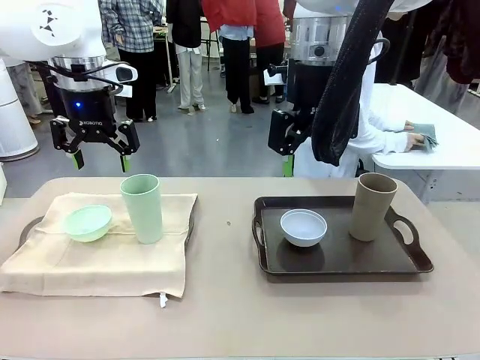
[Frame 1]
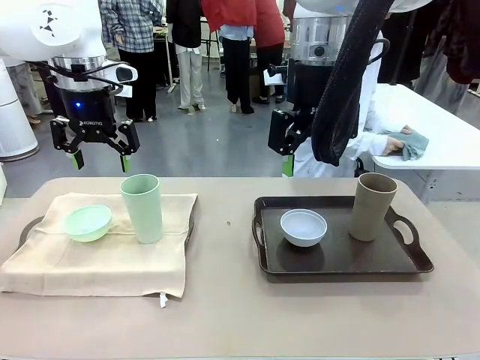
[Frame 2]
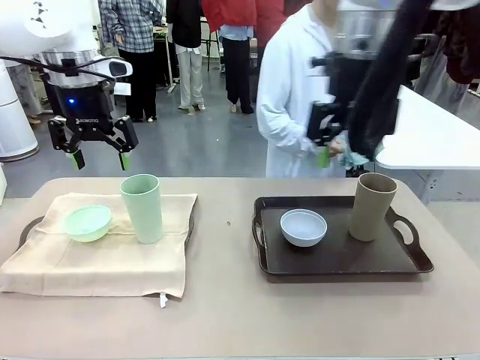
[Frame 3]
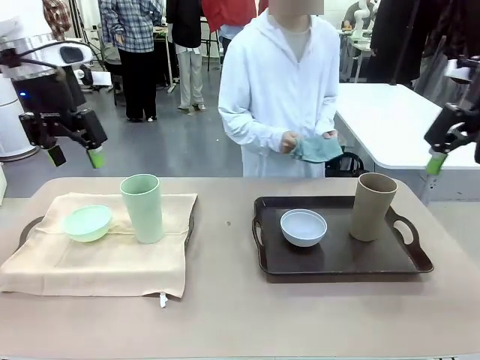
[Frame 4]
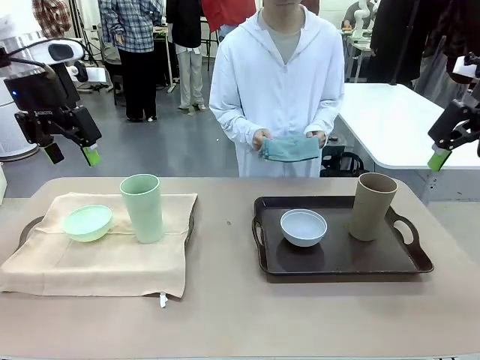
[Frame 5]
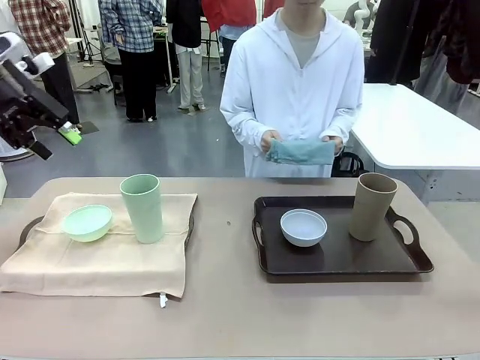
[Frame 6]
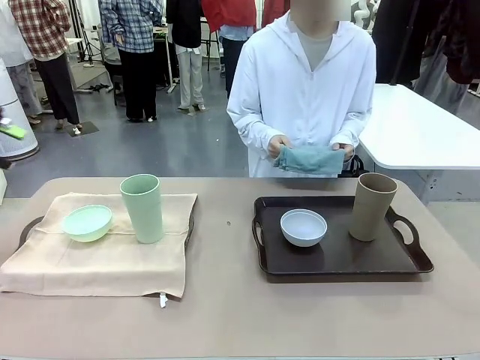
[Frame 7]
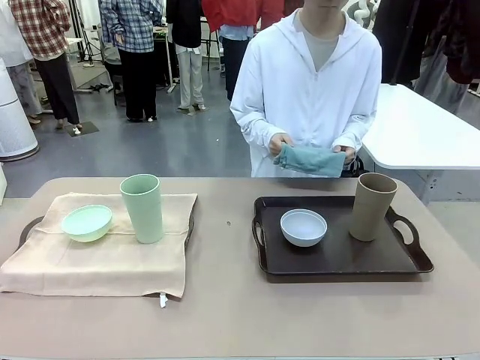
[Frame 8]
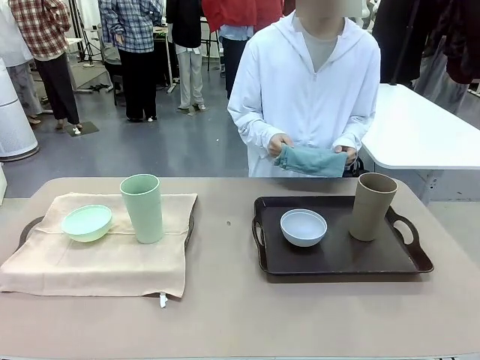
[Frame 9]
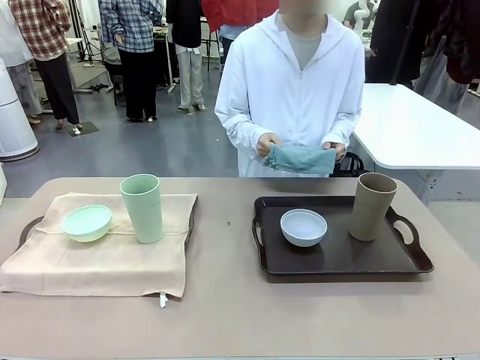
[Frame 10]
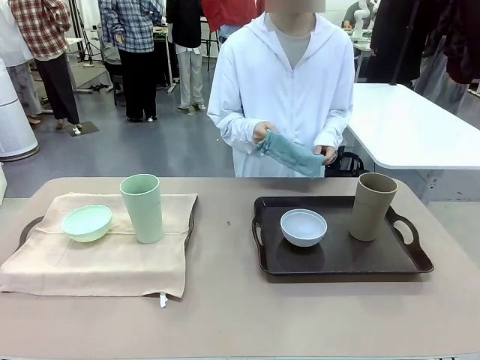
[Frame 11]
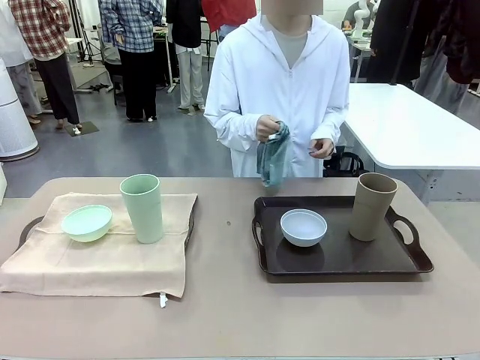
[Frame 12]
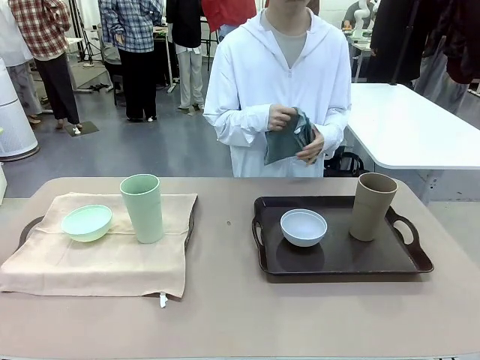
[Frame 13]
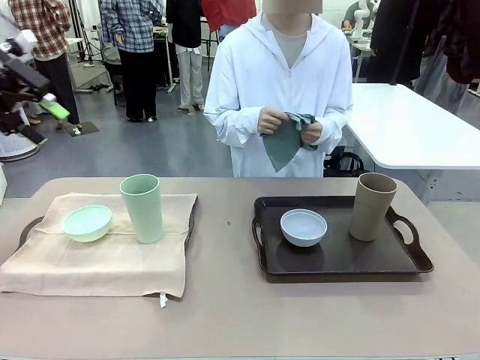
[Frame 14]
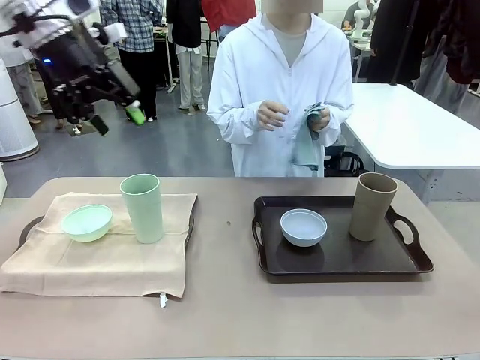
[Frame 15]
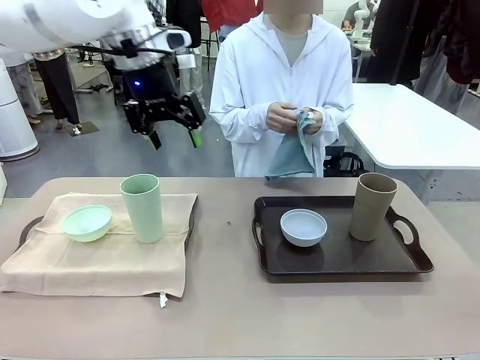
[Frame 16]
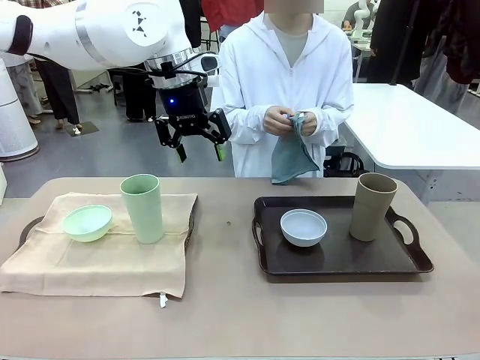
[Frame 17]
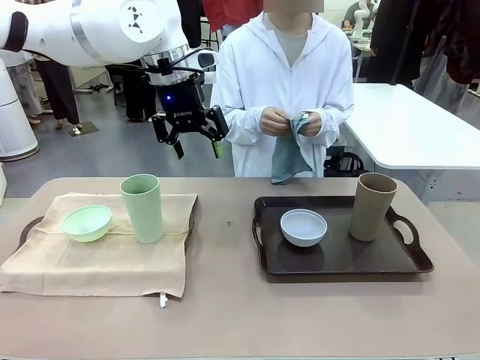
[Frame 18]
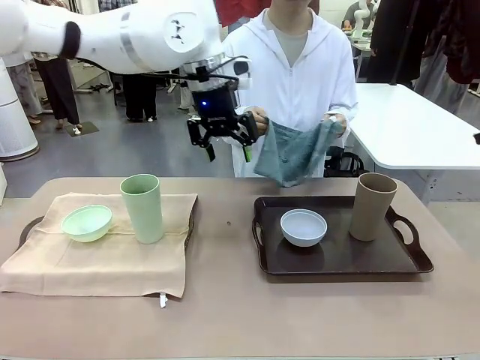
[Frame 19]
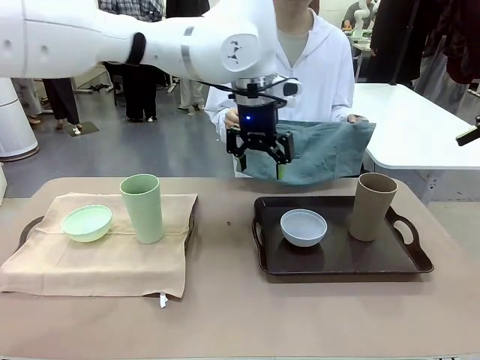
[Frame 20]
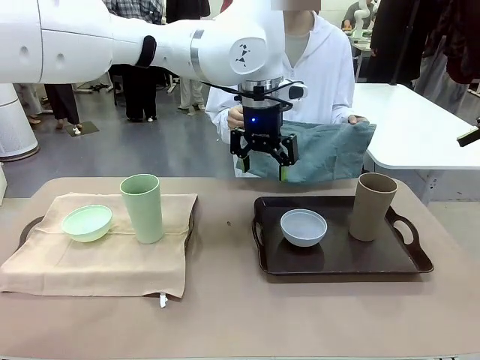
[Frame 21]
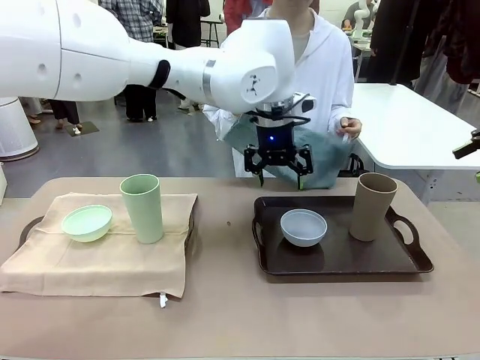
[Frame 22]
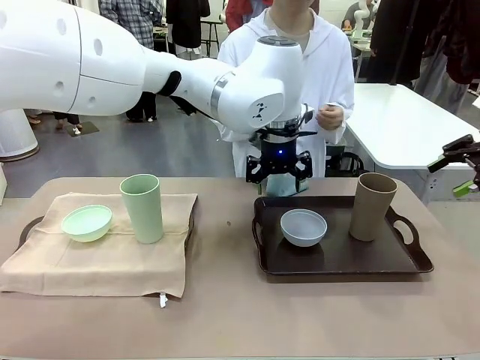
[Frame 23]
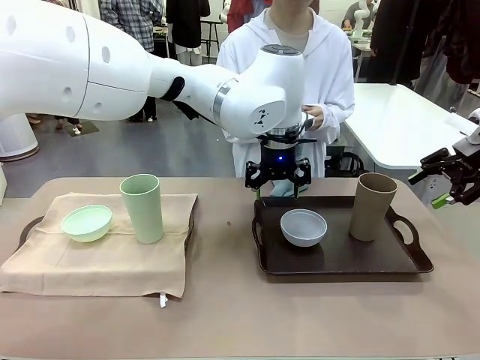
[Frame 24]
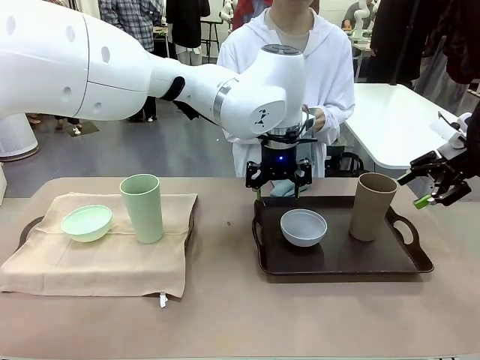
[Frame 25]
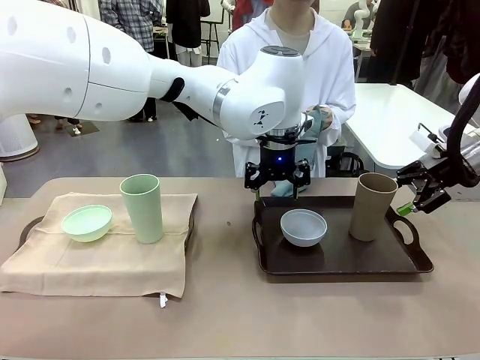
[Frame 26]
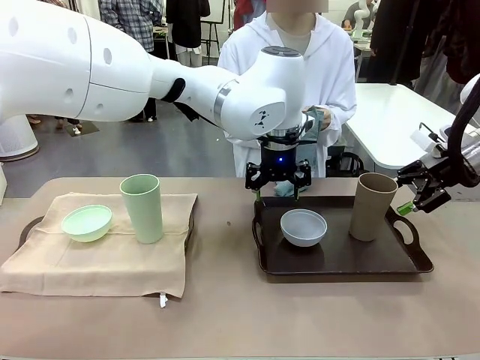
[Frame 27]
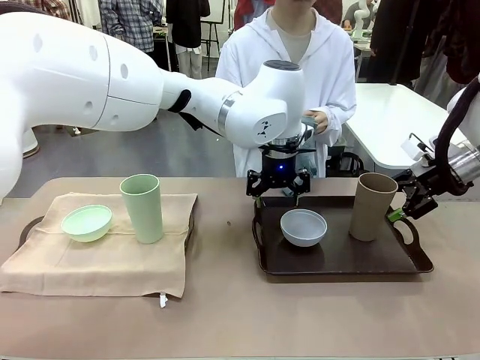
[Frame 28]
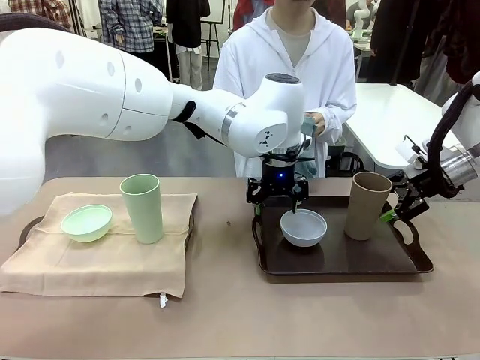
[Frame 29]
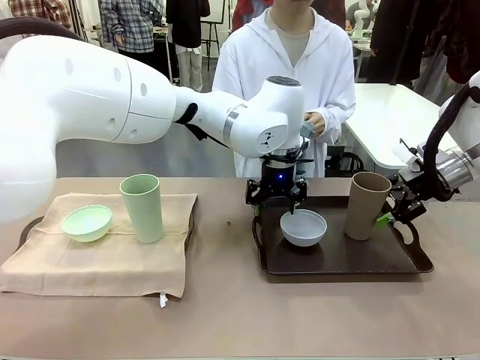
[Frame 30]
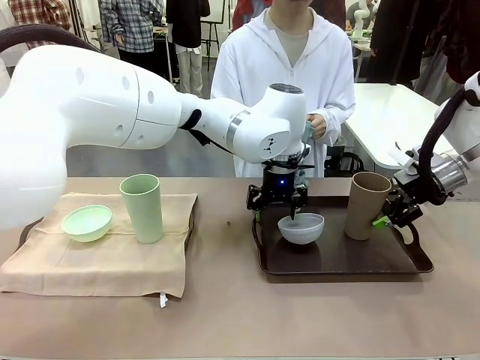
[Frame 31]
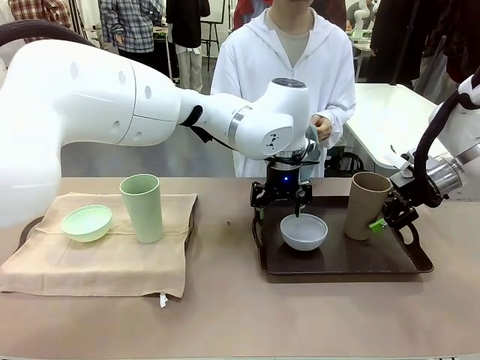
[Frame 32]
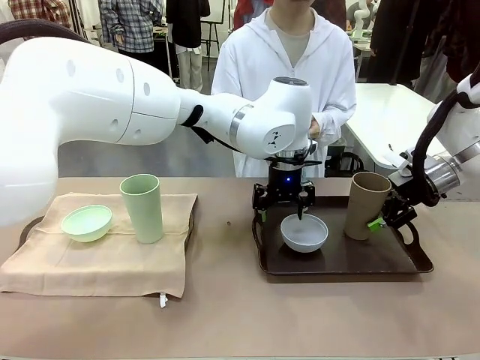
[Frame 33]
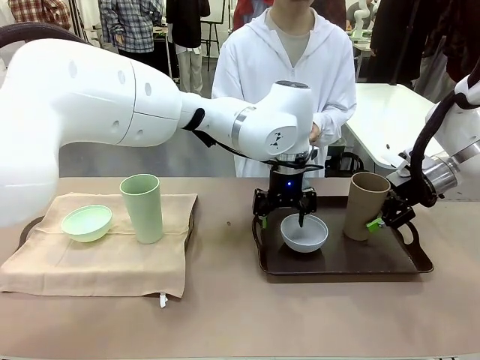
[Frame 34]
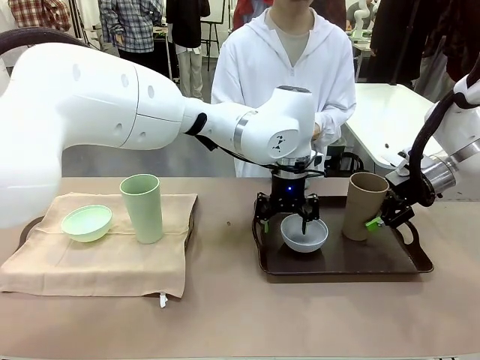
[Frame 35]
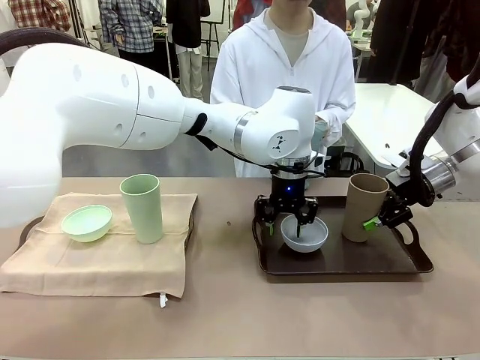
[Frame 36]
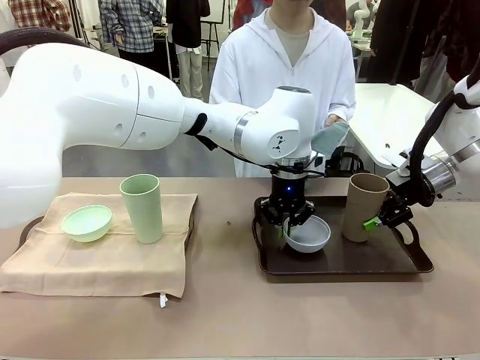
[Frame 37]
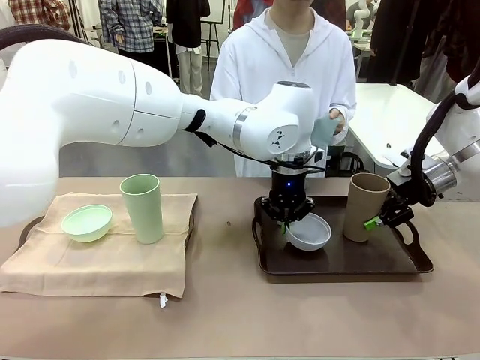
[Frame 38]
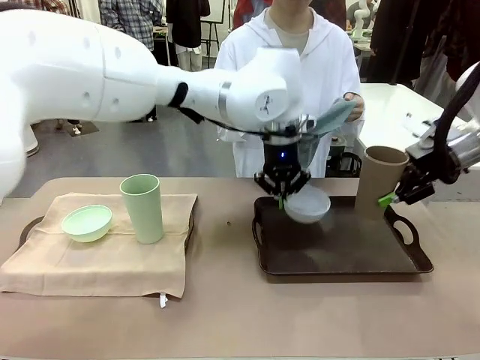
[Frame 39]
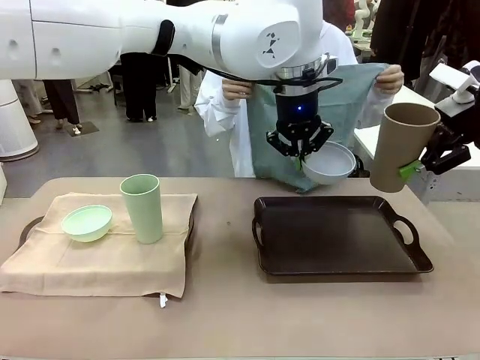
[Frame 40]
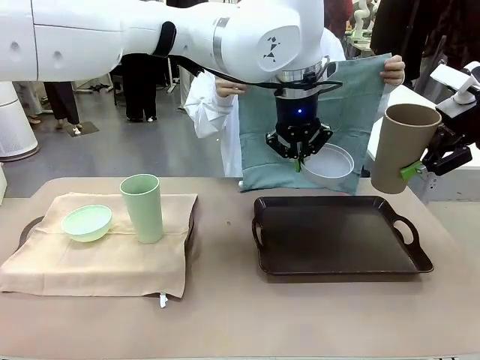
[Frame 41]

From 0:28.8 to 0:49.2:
Robot: Pick up the Picnic Bowl and Reusable plastic cup from the Handle tray in front of the human's position and hold them in the air.
Person: When the robot lifts the bowl and the cup, the human unfolds the napkin and lays the napkin flat on the tray.

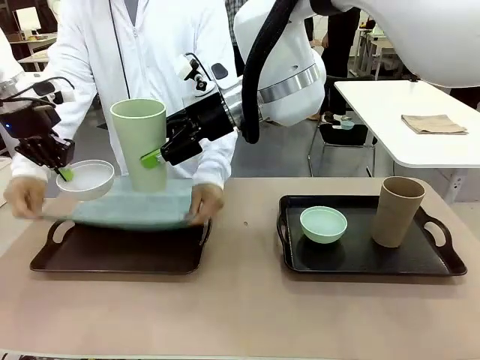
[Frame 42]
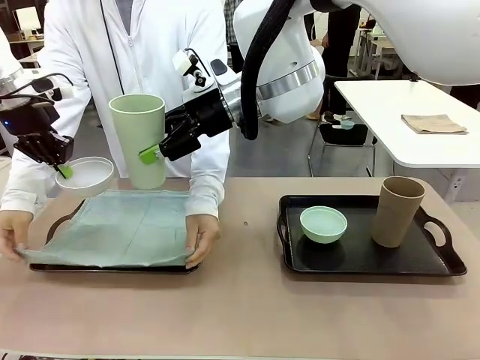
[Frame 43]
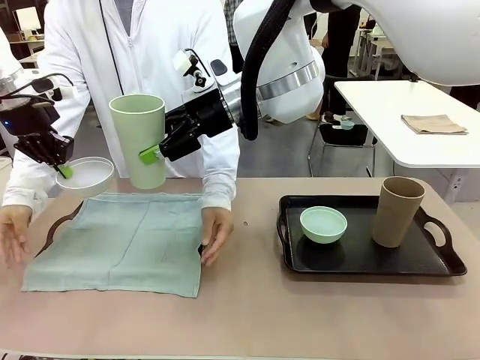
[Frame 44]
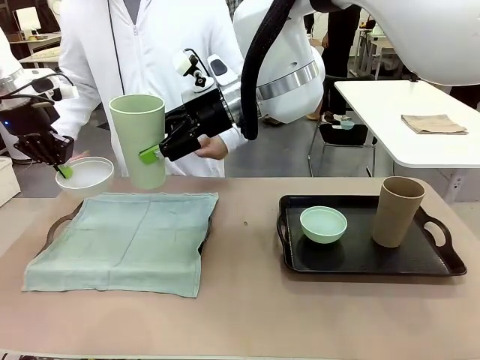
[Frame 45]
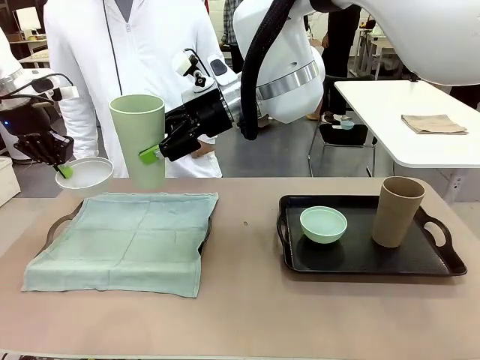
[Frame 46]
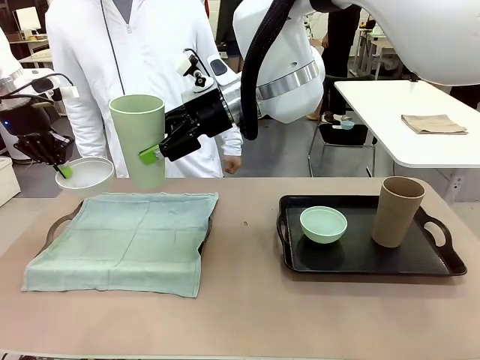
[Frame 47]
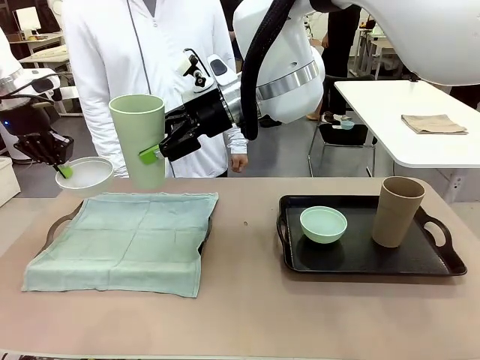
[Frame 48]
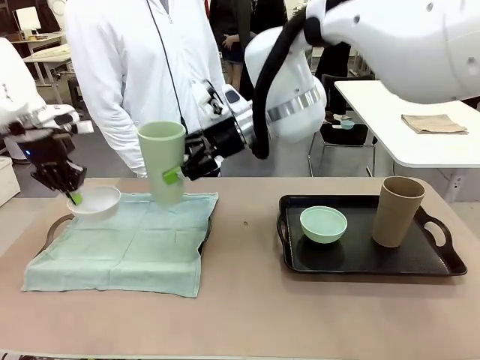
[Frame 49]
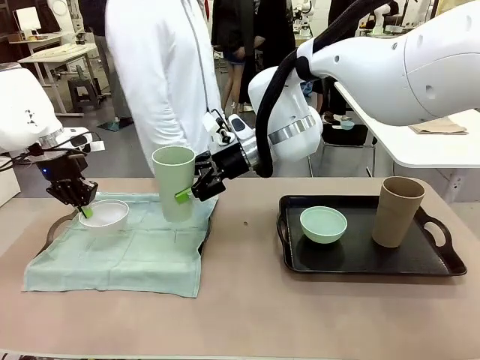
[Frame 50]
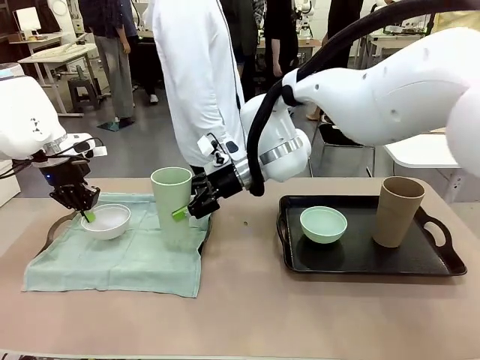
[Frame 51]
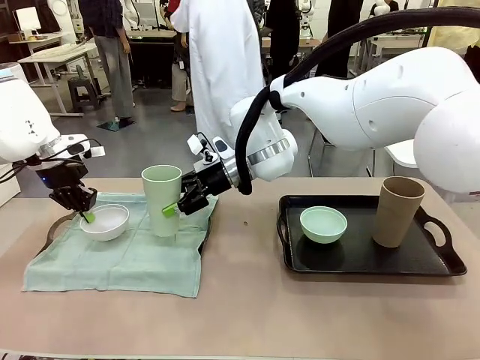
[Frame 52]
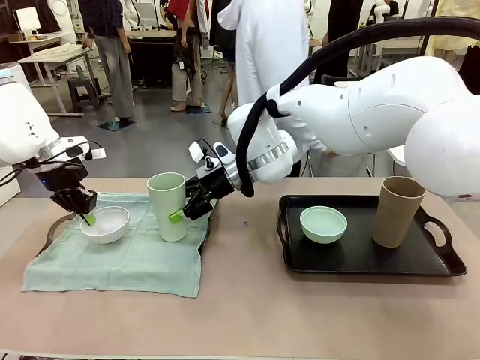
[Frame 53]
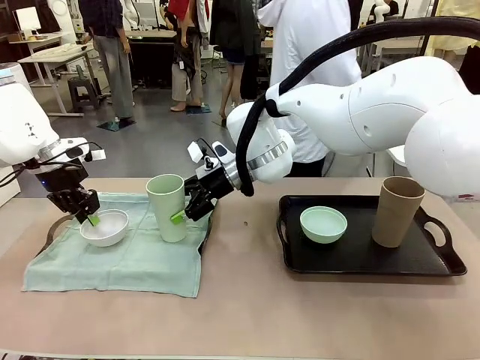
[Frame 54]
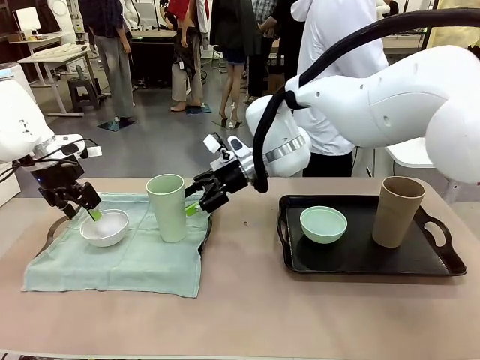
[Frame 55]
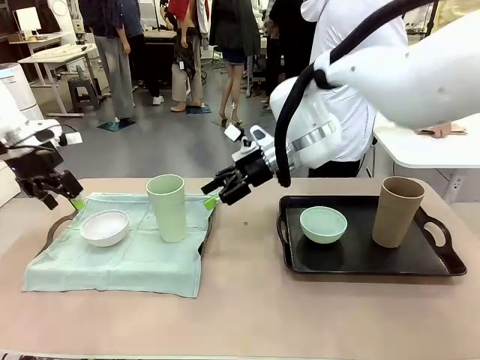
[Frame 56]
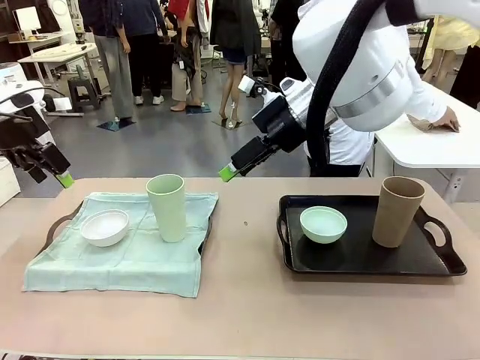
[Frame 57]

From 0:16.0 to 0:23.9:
Robot: Place the Picnic Bowl and Reusable plastic cup back onto the Handle tray in front of the human's position.
Person: The human returns to the human table to pick up another napkin and walks to the robot table to stand in front of the tray without a napkin.
